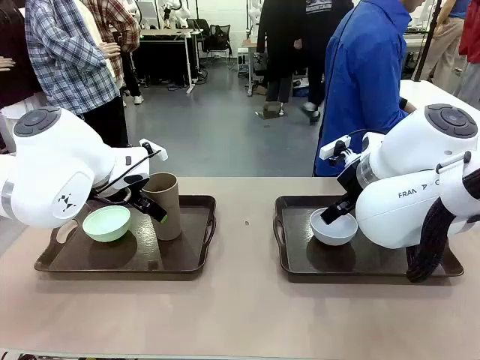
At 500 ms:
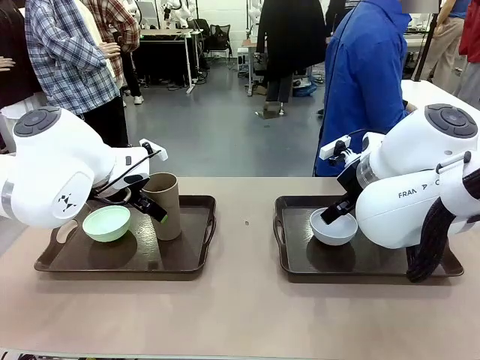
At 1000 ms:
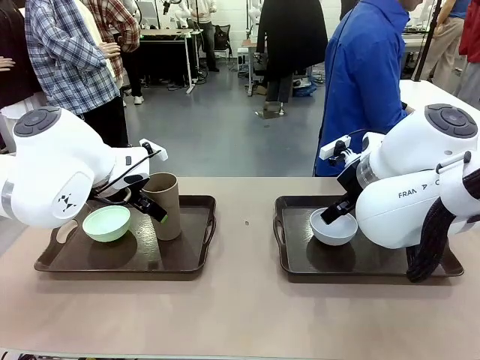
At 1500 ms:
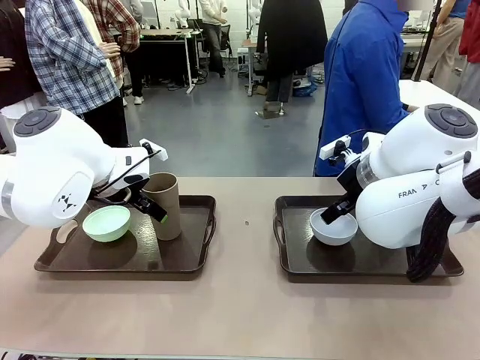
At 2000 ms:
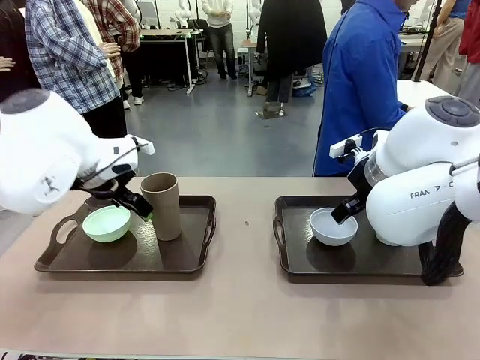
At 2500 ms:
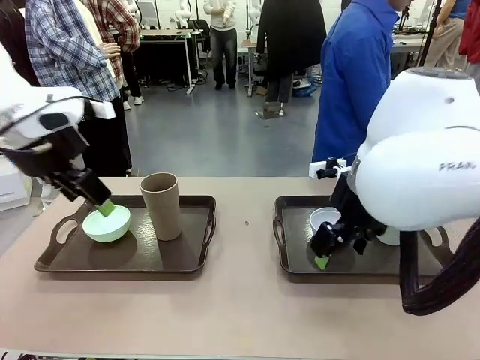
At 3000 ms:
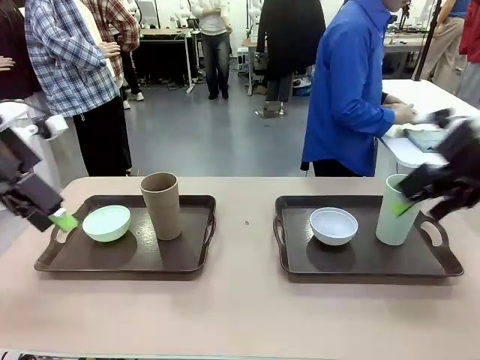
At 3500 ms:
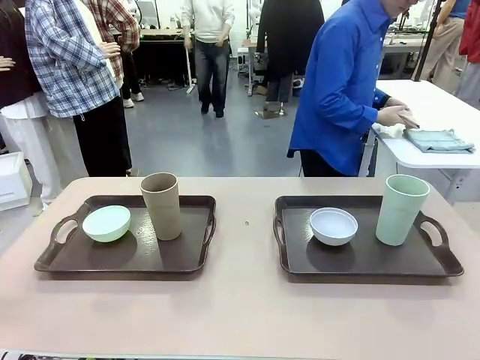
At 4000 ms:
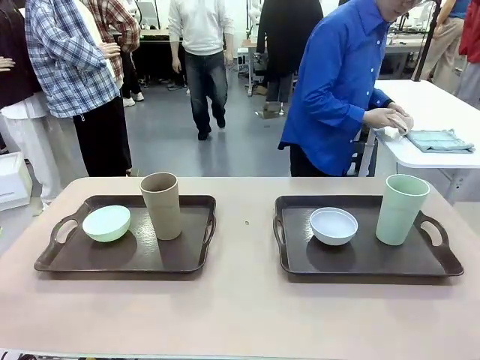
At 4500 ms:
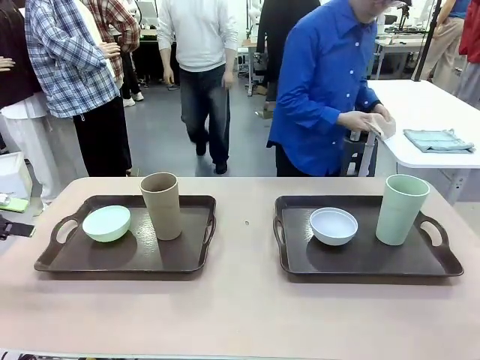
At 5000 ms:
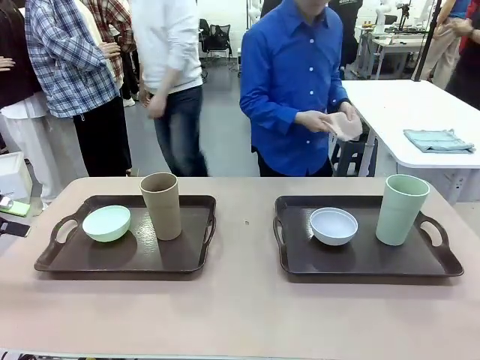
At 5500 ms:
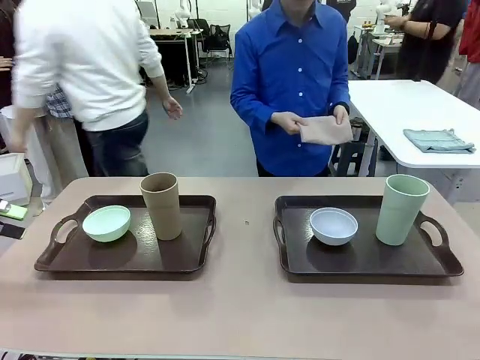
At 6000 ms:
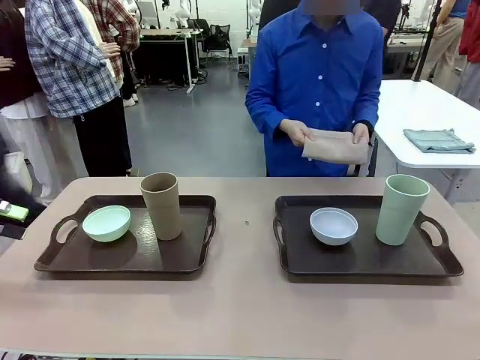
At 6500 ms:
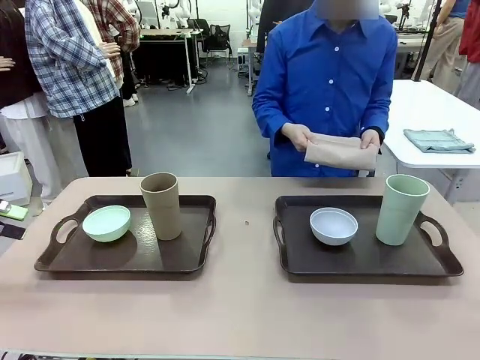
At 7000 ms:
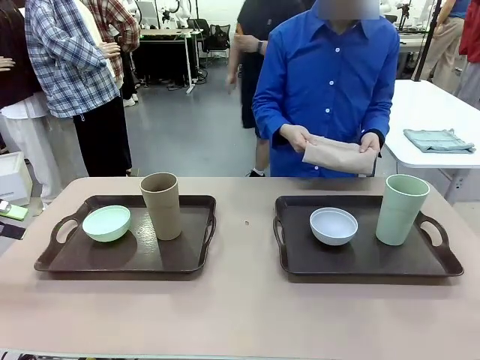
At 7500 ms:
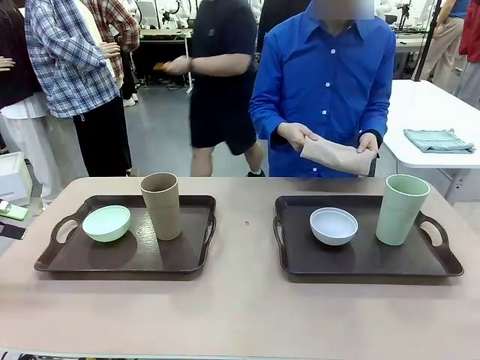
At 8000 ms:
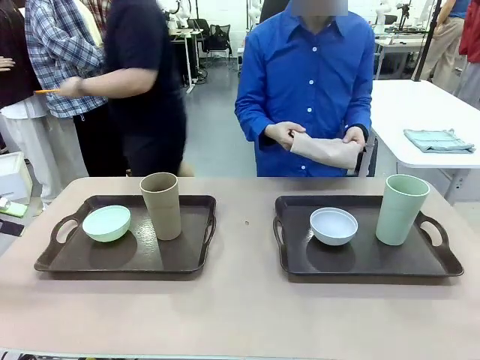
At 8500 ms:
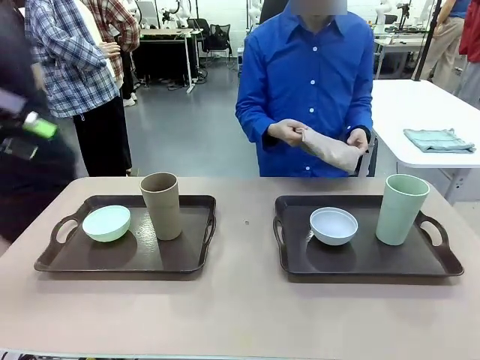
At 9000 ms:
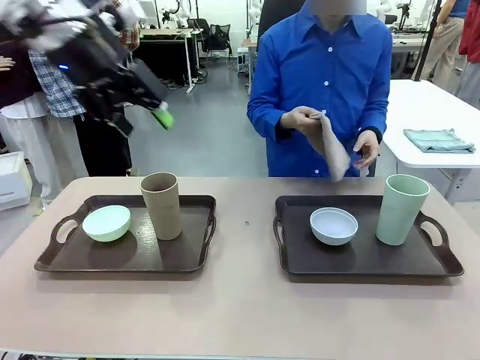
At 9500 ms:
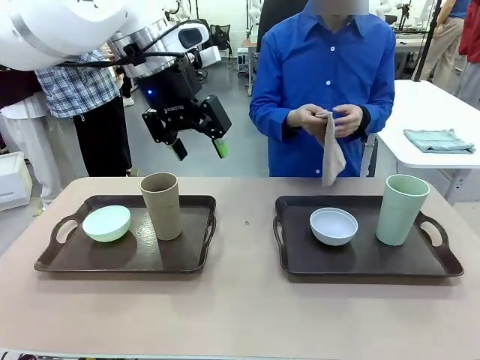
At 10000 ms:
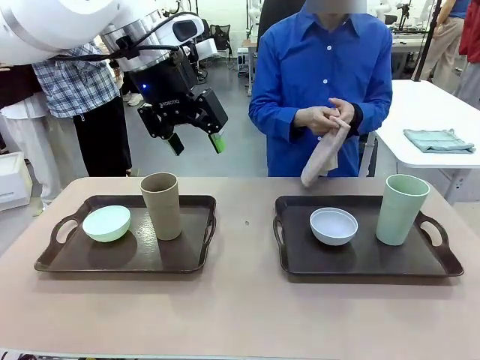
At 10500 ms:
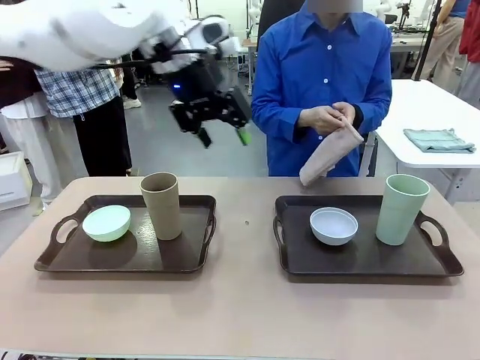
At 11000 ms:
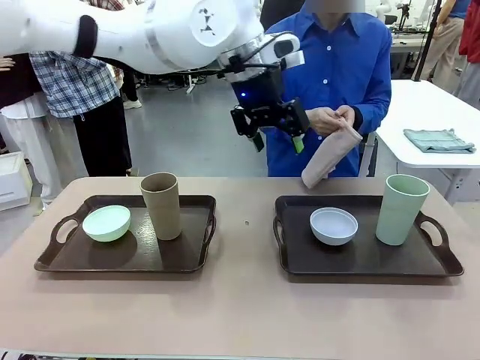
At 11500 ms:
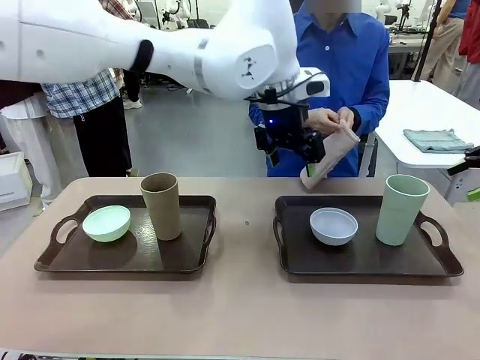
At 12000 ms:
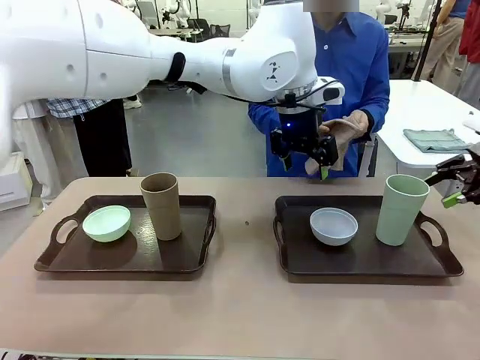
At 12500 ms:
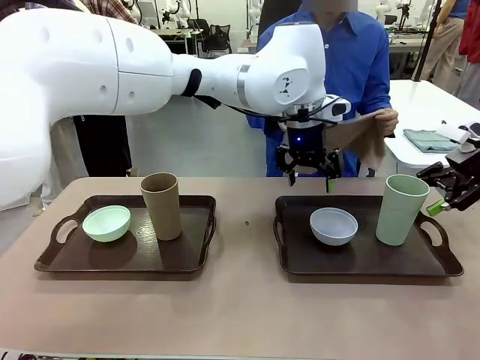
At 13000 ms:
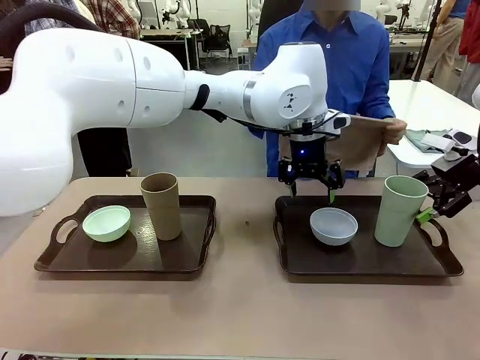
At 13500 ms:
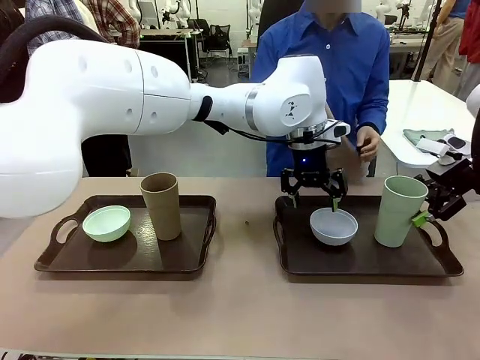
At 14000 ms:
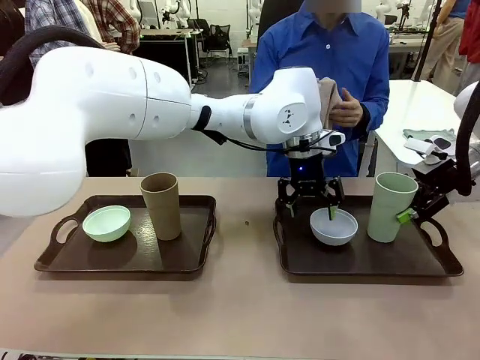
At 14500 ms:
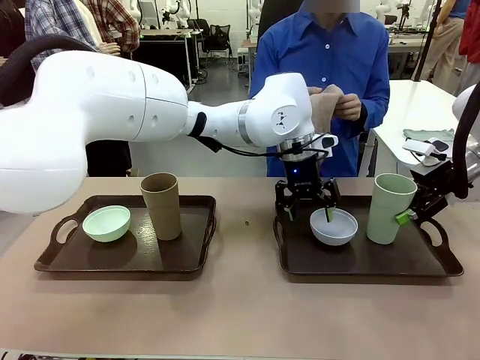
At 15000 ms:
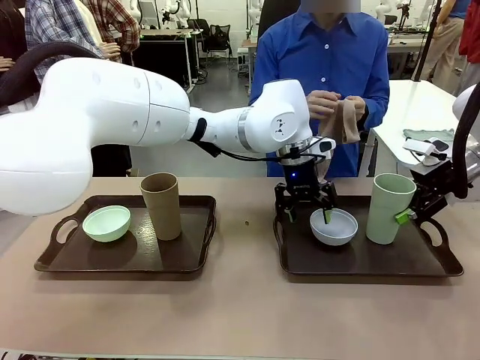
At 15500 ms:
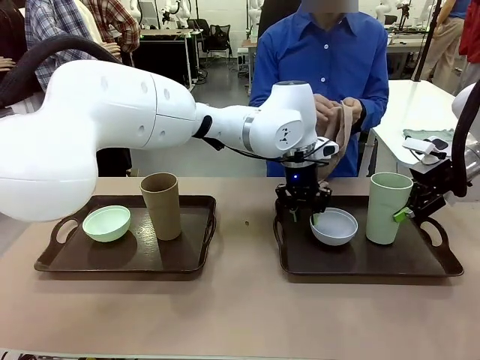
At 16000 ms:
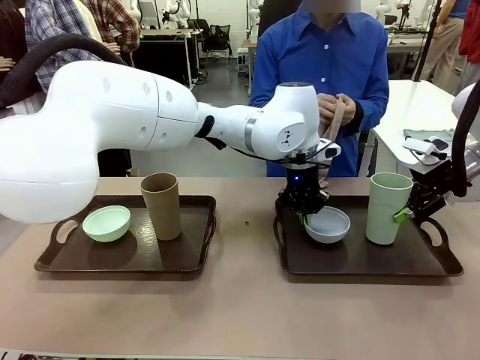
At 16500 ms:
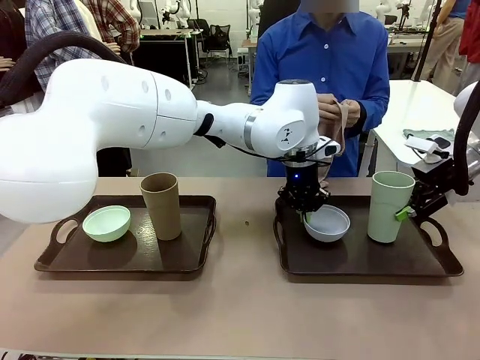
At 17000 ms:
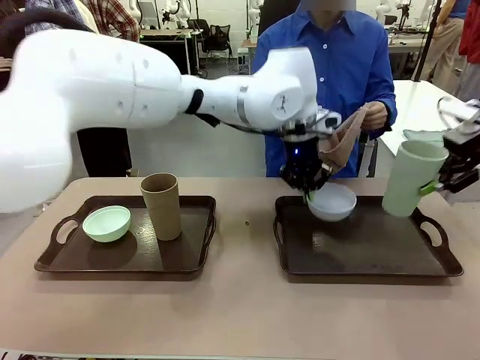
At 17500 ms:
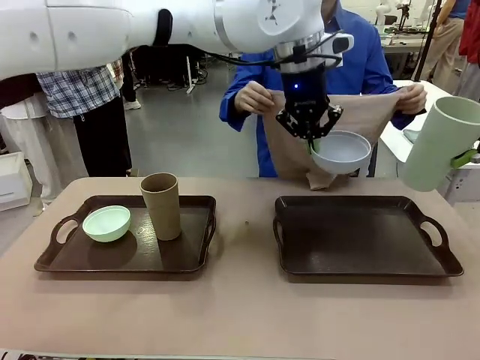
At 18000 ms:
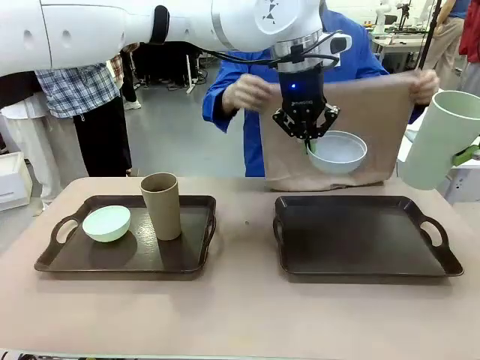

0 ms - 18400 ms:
Robot: Pick up the Picnic Bowl and Reusable plastic cup from the Handle tray in front of the human's position and hold them in the air.
Person: The human picks up the top napkin from the stack on the human table and walks to the robot table to stand in front of one of the two trays. When the robot lifts the bowl and the cup, the human unfolds the napkin and lays the napkin flat on the tray.

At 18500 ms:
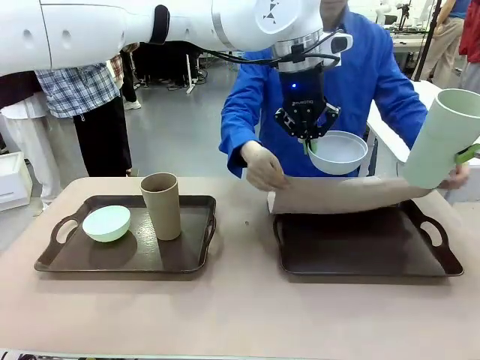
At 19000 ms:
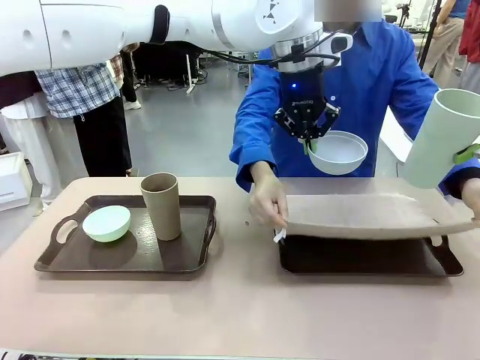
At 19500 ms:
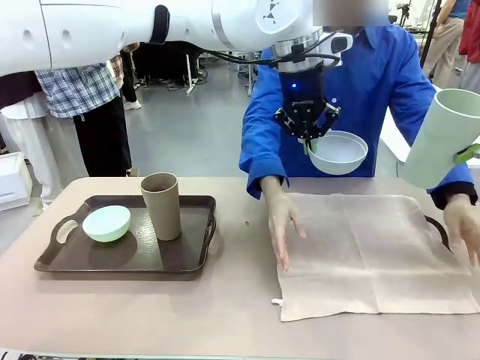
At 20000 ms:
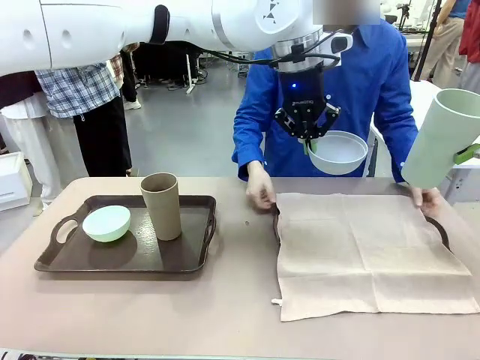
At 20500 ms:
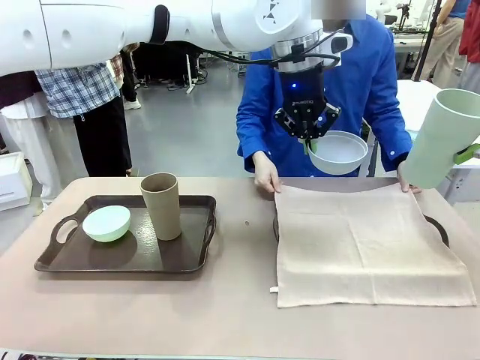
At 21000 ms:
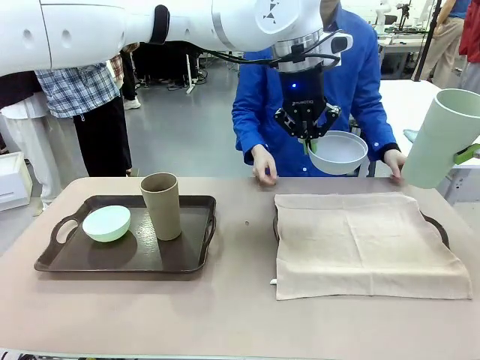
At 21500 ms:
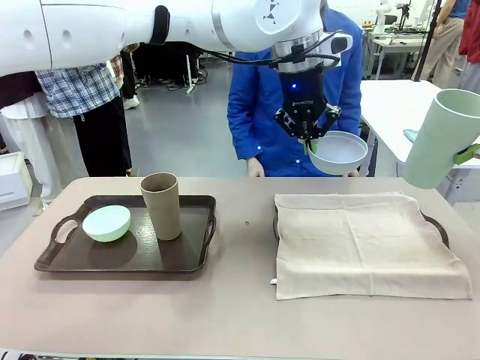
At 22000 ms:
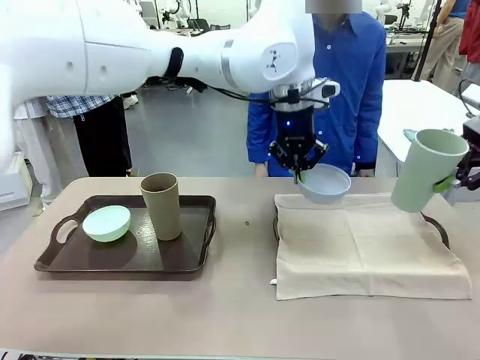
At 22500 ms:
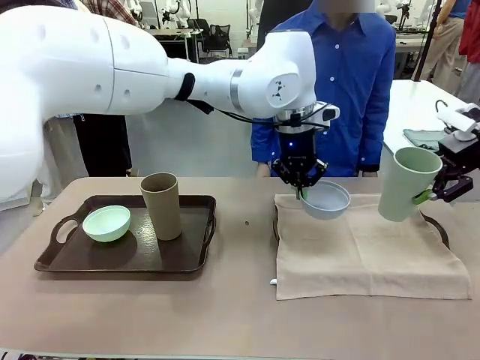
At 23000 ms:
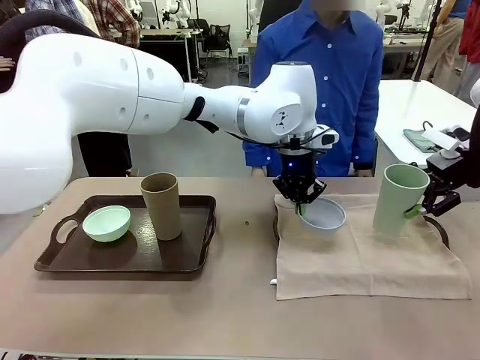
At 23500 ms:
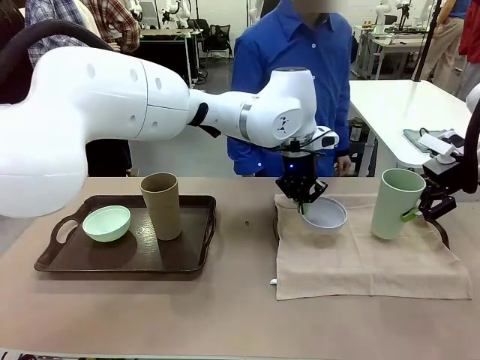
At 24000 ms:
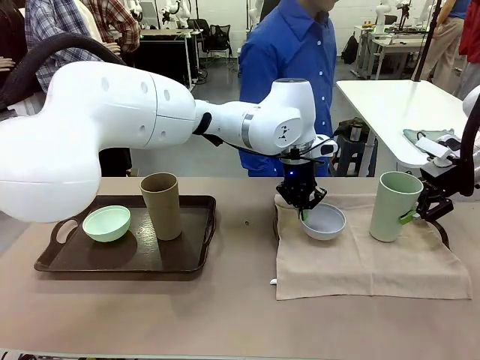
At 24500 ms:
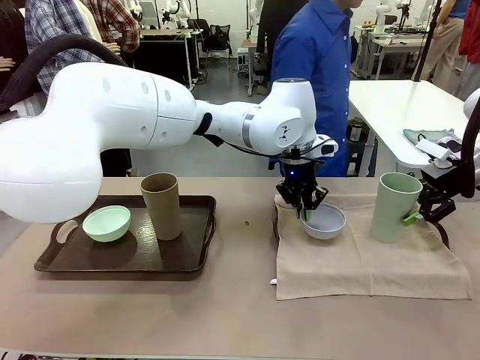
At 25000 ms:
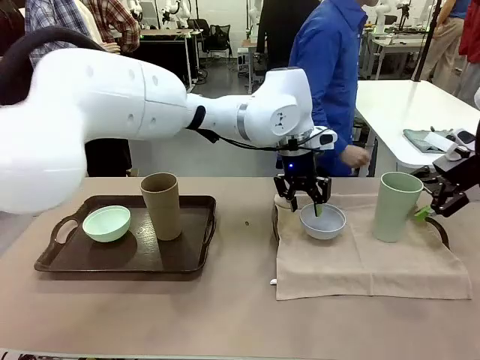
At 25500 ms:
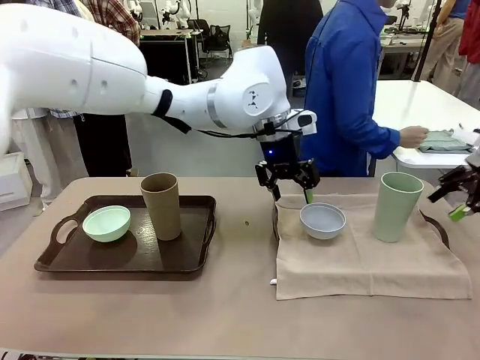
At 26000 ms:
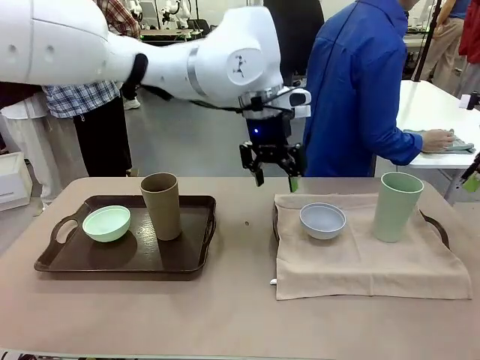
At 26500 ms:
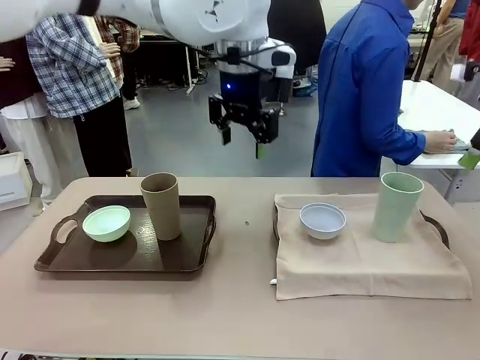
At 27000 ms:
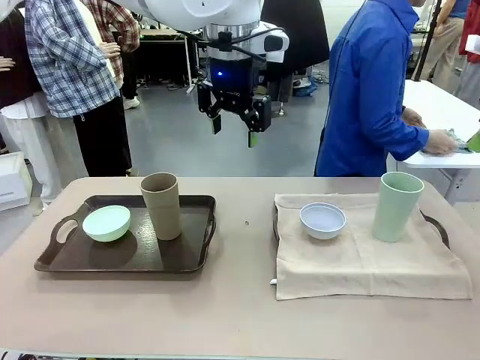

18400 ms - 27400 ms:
Robot: Place the Picnic Bowl and Reusable plastic cup back onto the Handle tray in front of the human's position.
